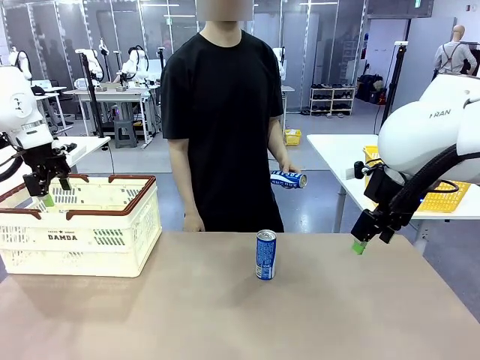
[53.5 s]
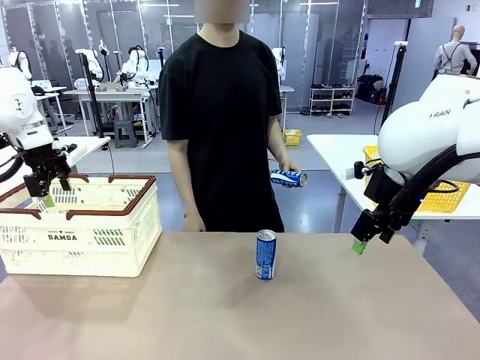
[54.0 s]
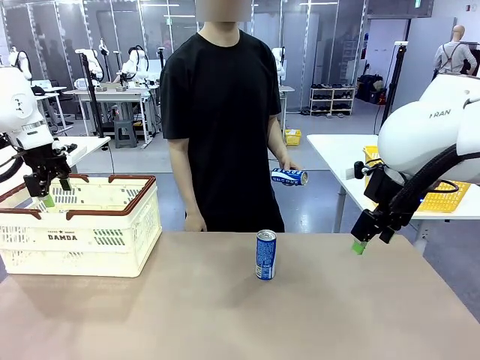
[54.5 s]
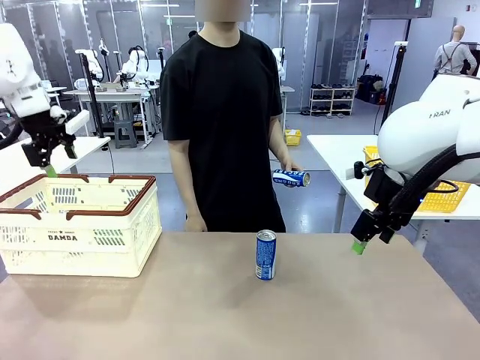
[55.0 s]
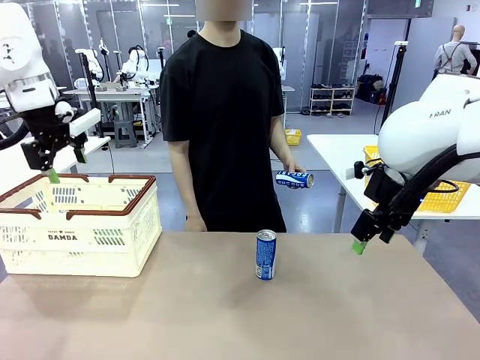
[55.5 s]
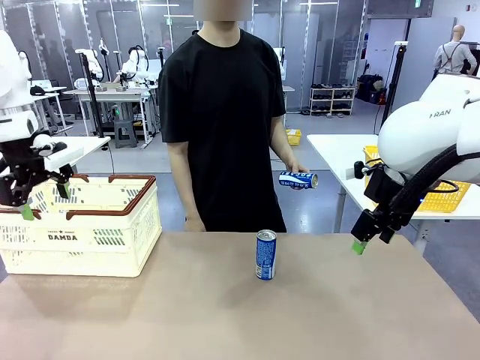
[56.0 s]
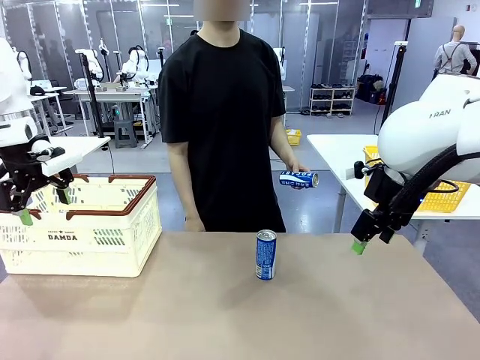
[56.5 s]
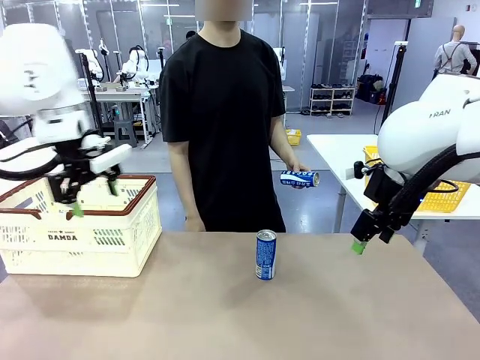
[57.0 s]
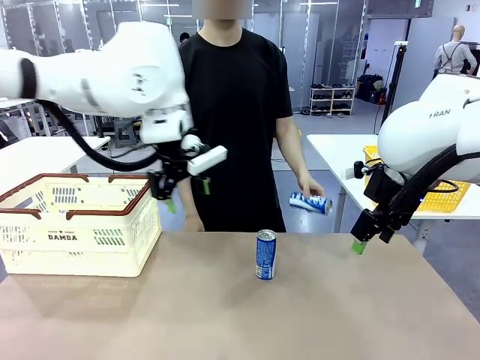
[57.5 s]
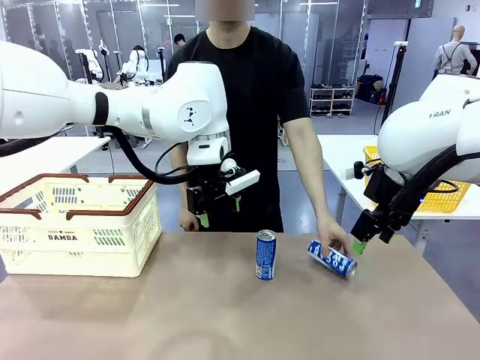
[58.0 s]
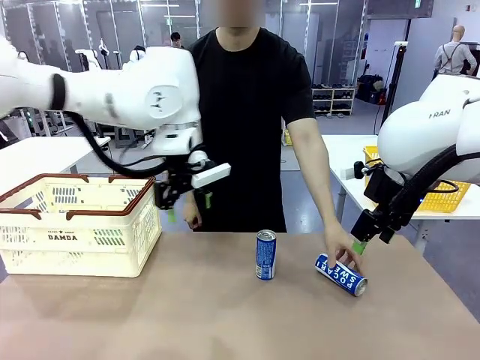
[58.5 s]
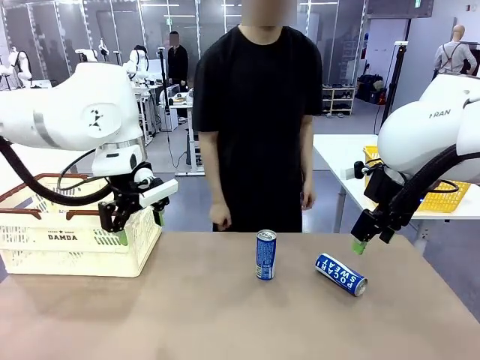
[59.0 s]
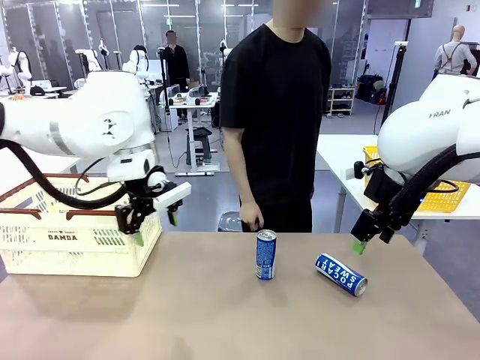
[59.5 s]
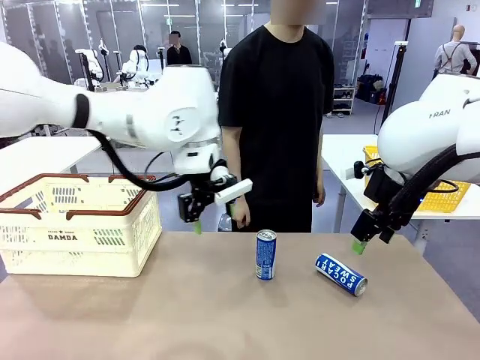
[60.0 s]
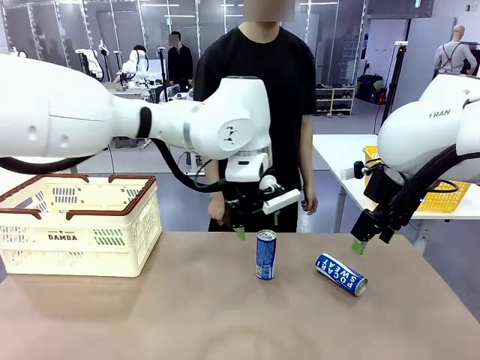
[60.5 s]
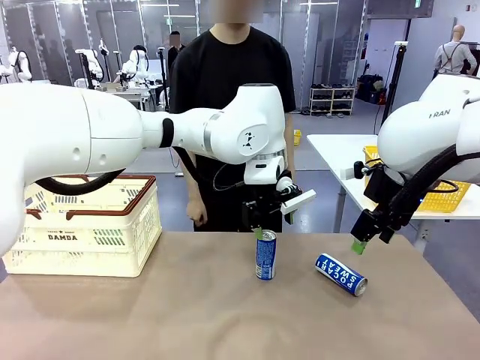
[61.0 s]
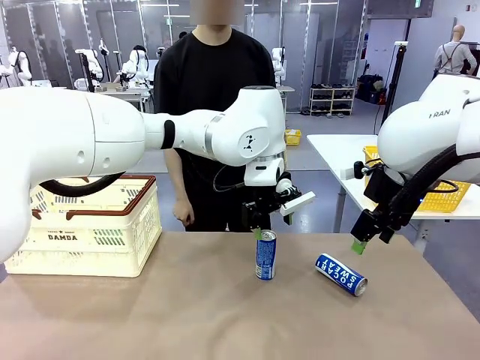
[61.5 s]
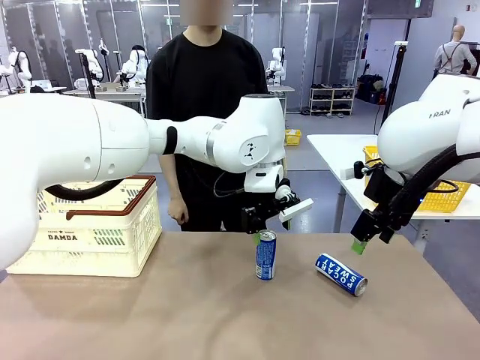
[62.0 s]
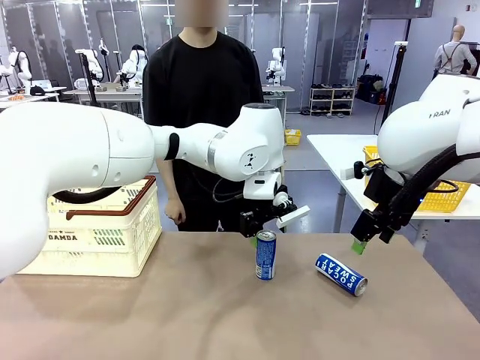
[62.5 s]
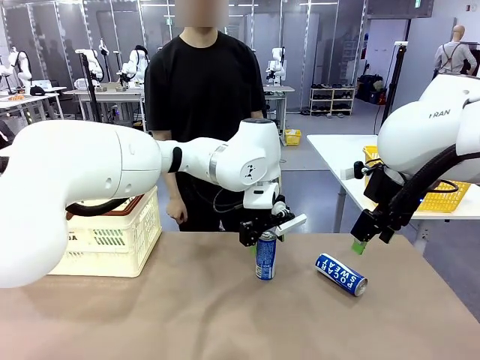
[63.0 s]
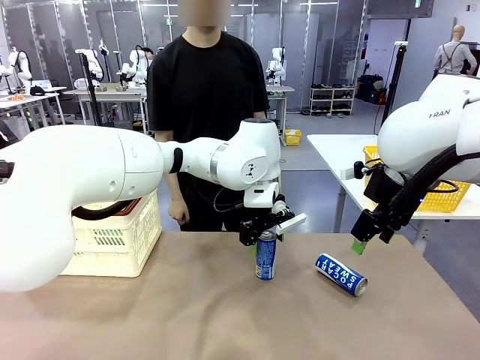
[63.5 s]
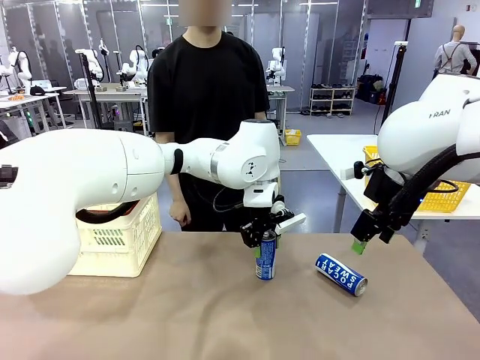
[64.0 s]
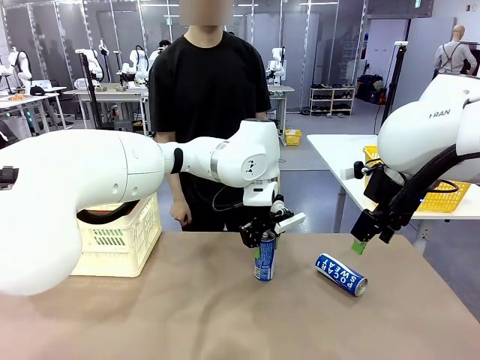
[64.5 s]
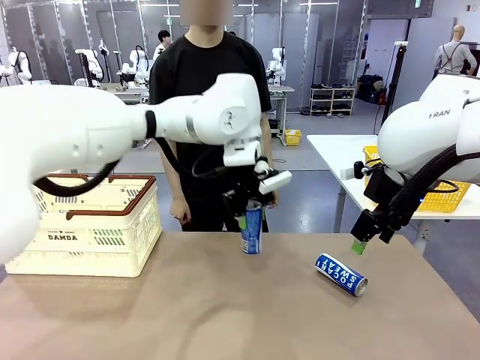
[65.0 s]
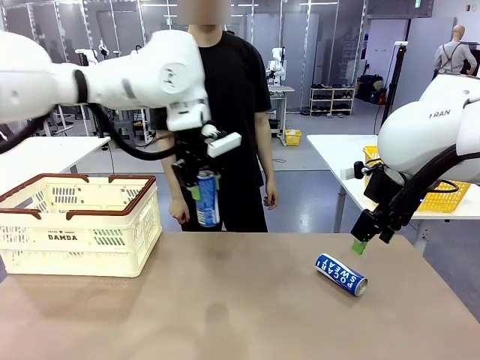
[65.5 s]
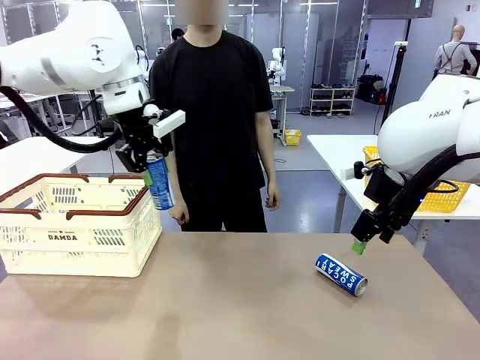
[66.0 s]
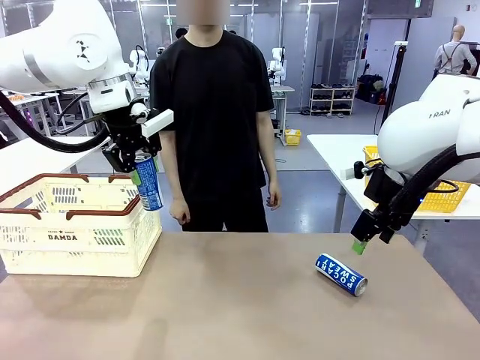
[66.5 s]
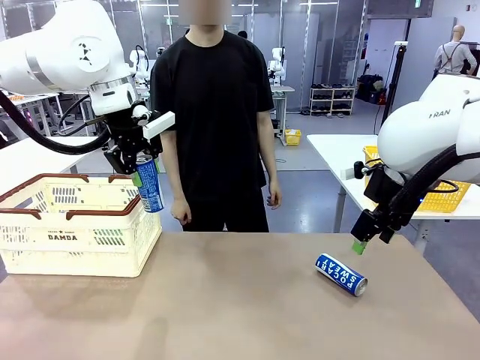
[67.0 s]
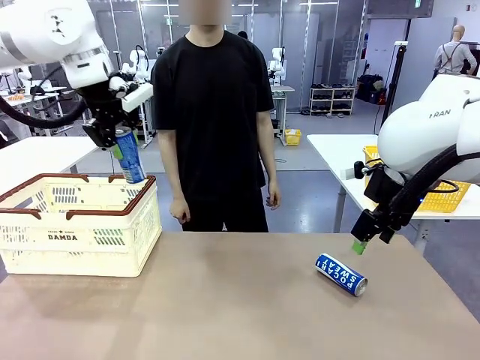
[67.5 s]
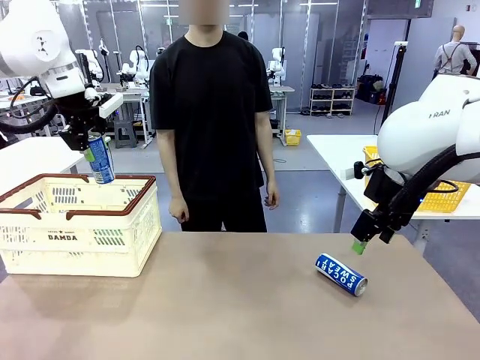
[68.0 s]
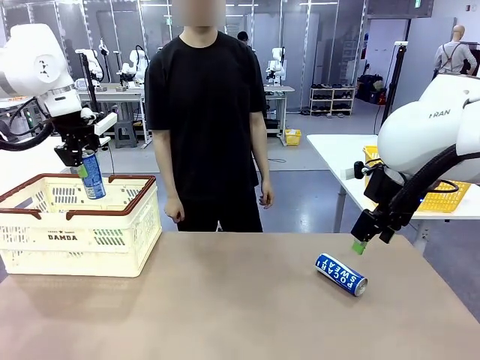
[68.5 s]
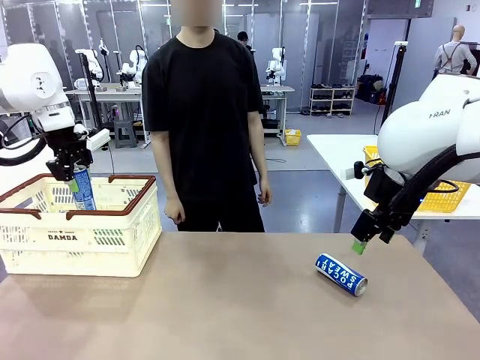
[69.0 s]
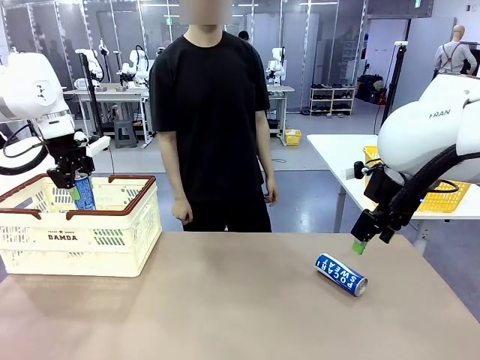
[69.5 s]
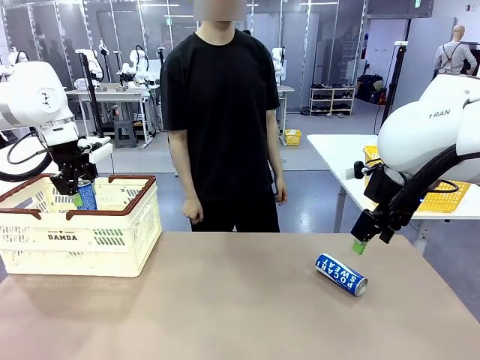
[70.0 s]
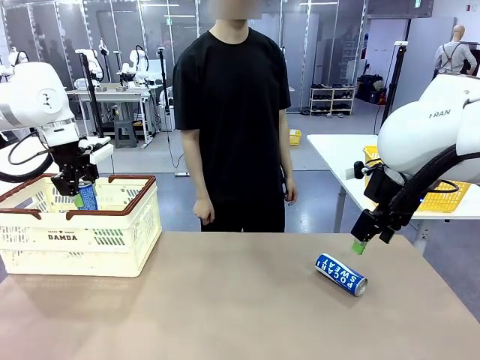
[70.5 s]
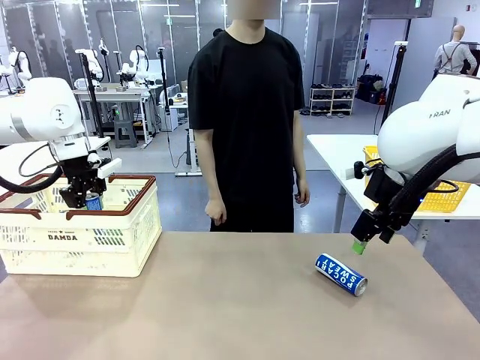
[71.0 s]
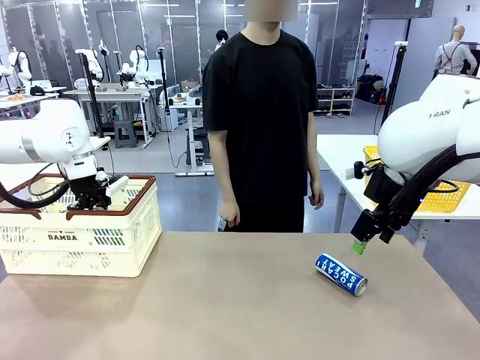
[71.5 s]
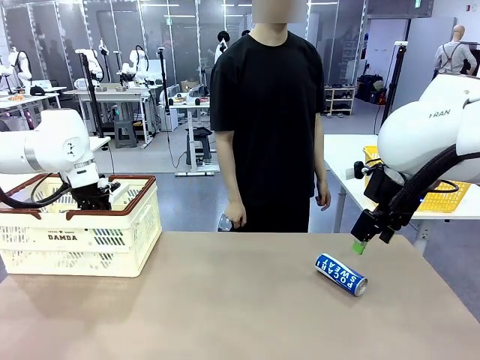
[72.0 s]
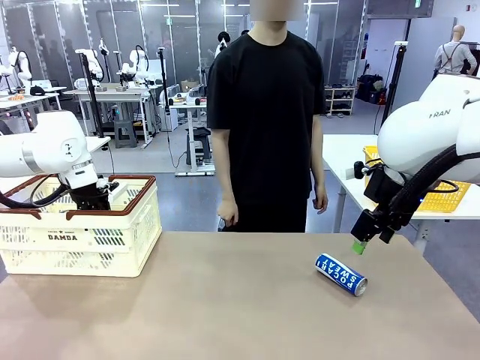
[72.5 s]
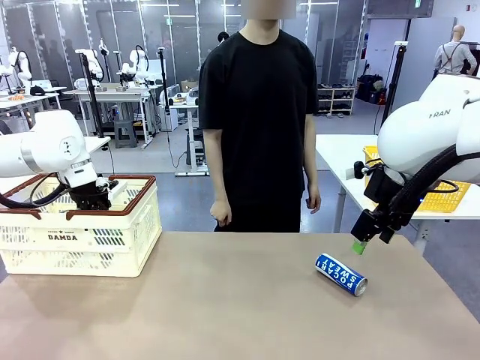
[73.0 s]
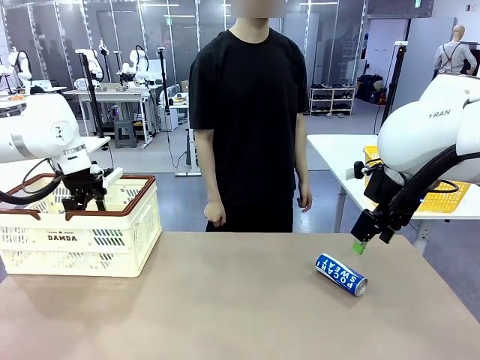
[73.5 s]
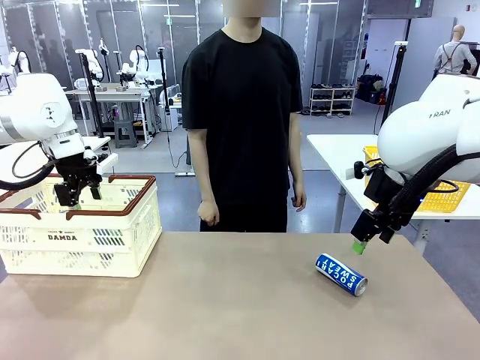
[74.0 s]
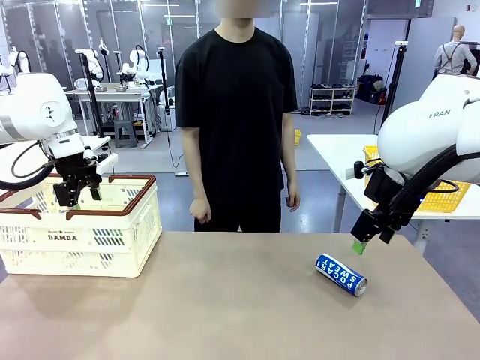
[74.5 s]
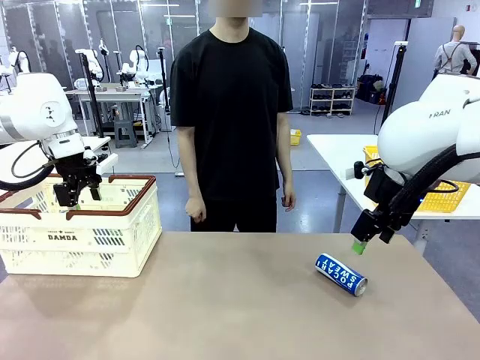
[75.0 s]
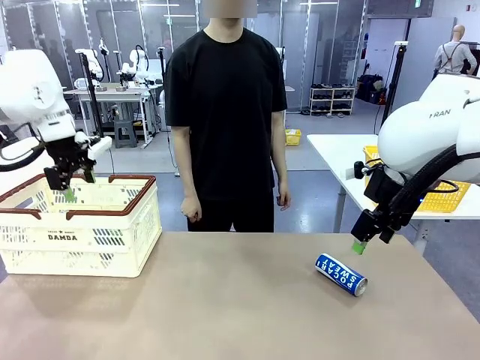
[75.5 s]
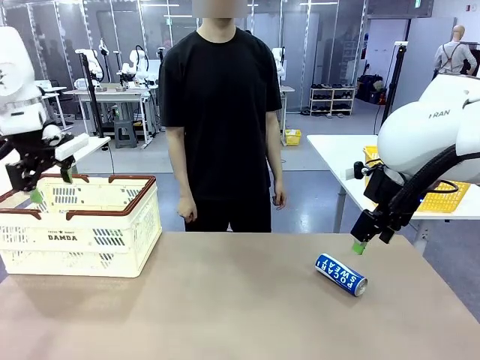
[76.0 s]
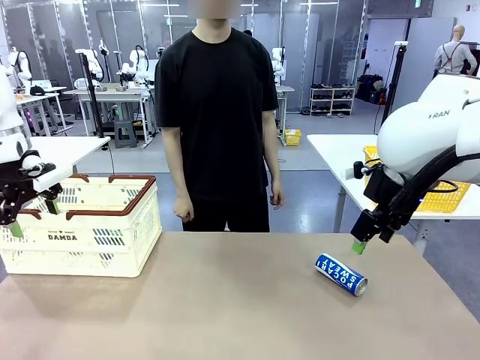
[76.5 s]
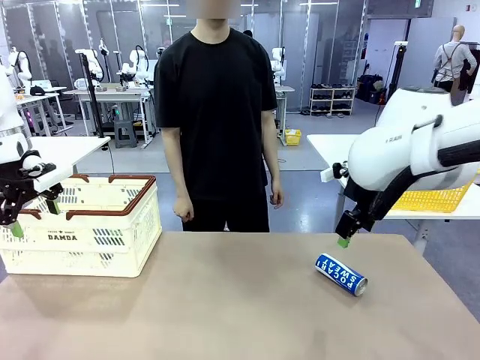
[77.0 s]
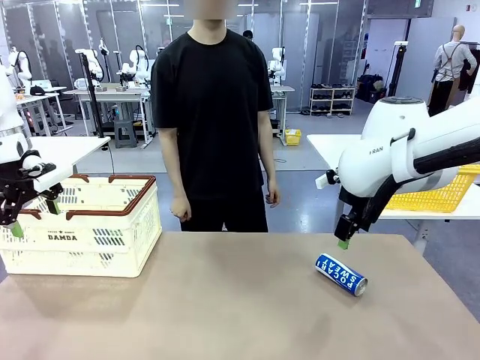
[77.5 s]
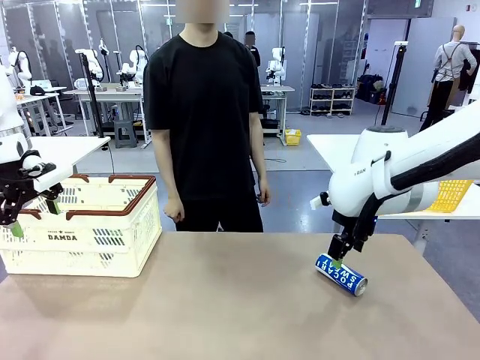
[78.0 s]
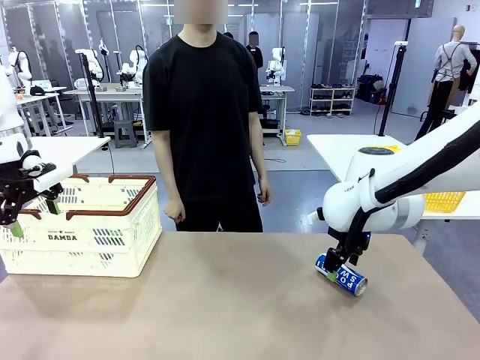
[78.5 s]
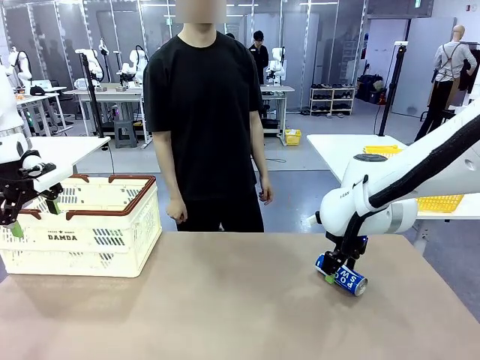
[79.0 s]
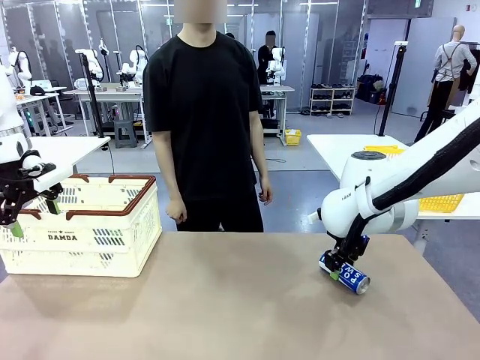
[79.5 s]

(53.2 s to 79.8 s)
Task: Place the drinks into the Shopping basket.
Robot: Pick up one drink and place it into the Shopping basket.
